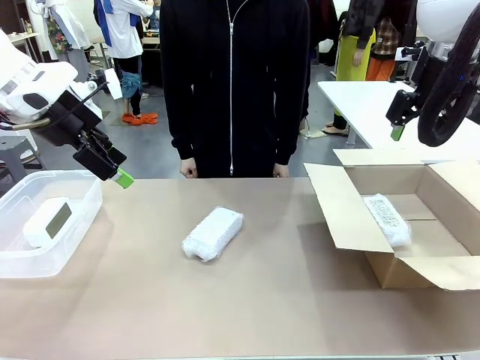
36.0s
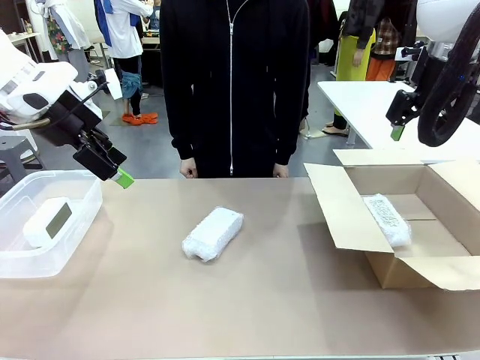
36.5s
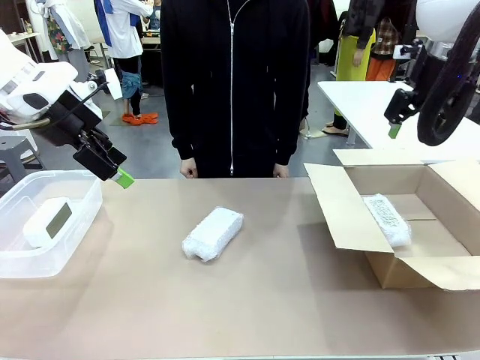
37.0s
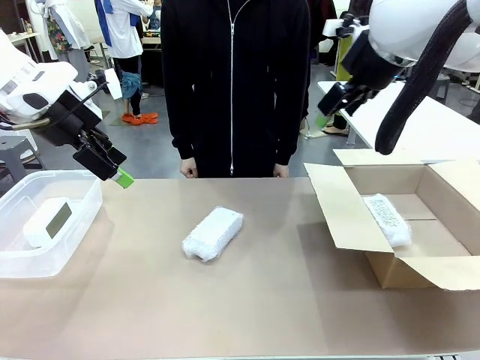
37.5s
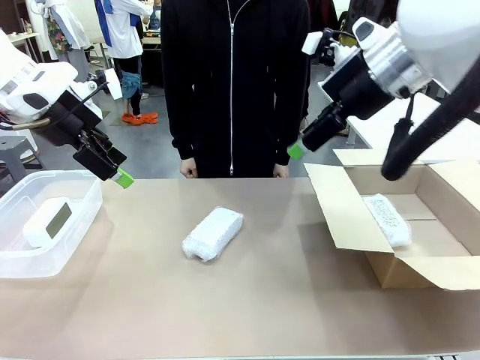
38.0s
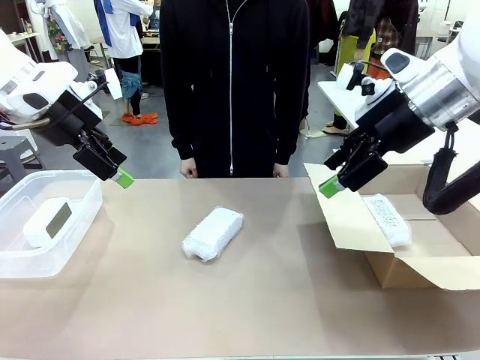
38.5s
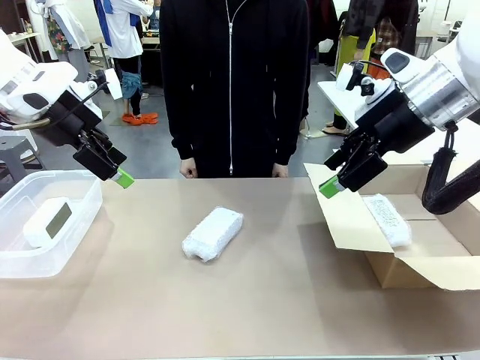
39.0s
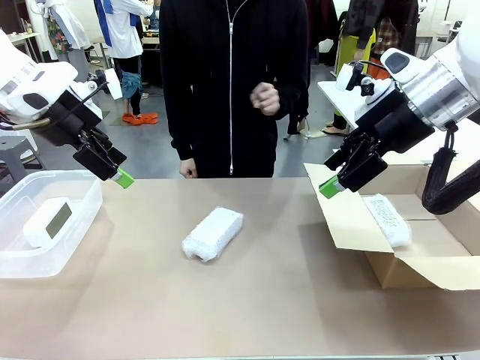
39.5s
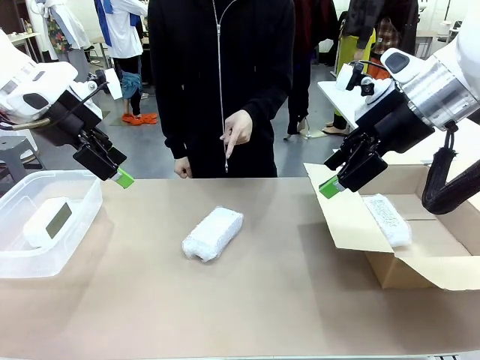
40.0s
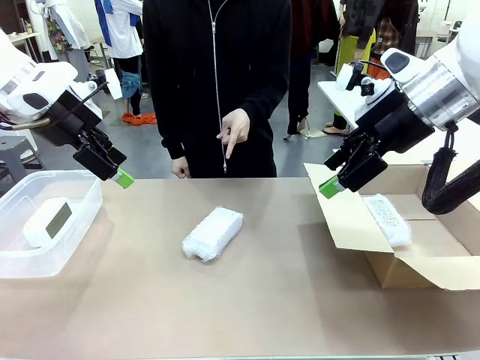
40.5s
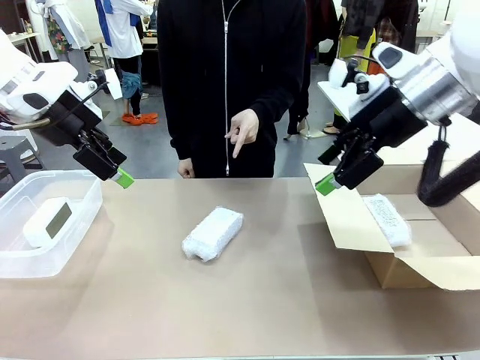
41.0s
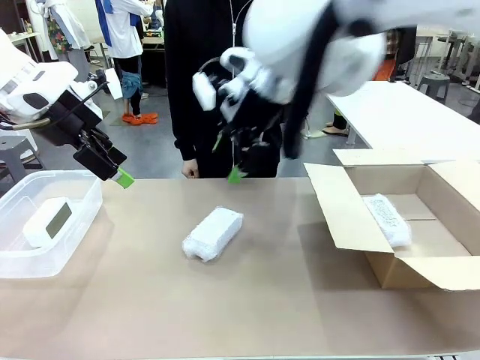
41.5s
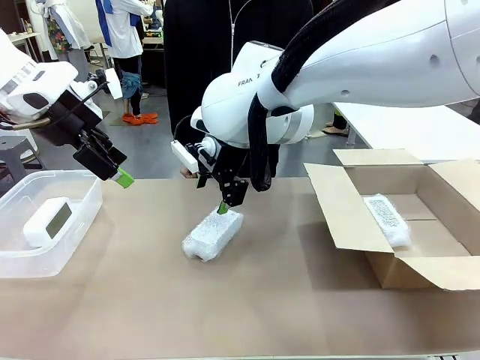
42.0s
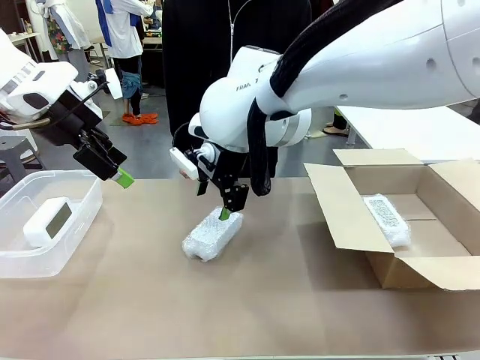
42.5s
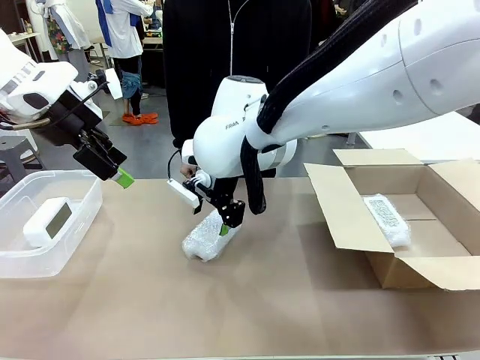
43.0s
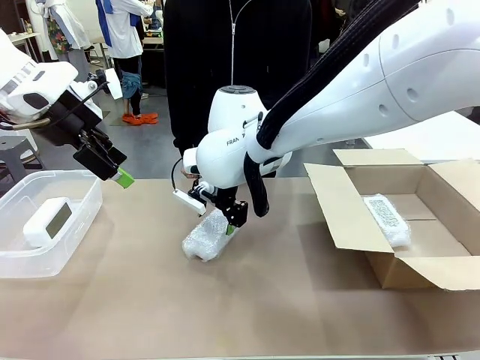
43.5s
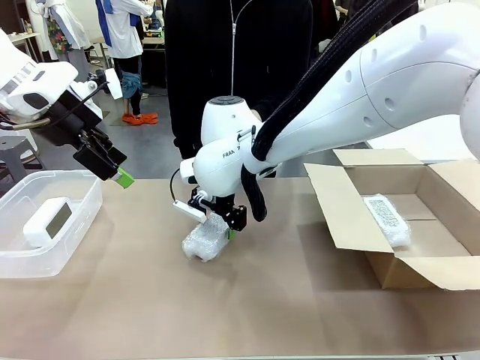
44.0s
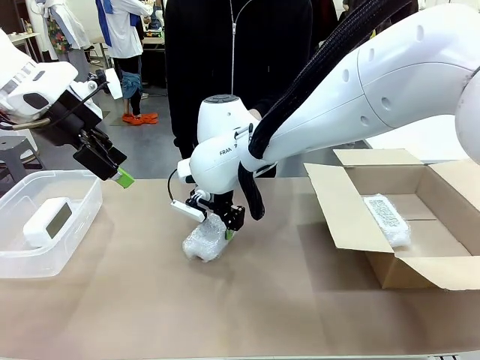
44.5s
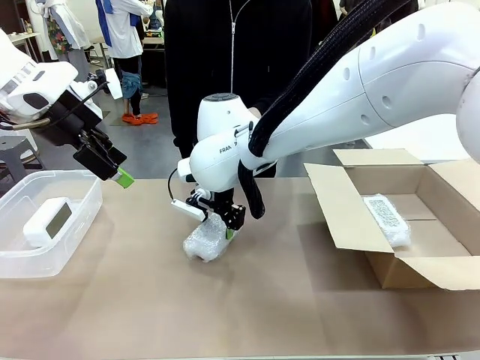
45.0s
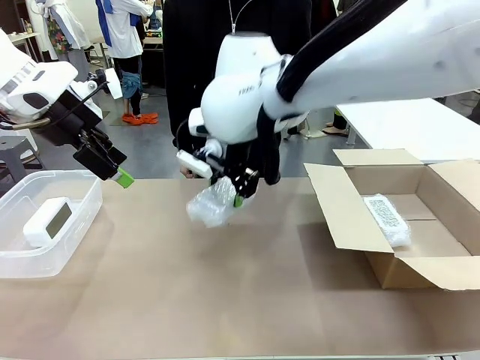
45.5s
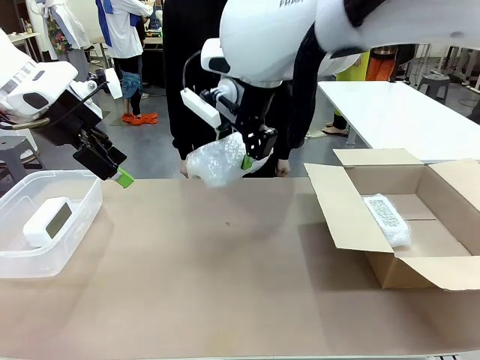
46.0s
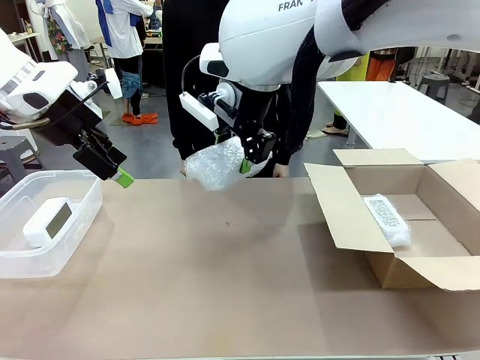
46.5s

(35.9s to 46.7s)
Task: Separate and place wrapped and unwrapped clocks.
Robot: Pick up the Digital clock indicated by the person.

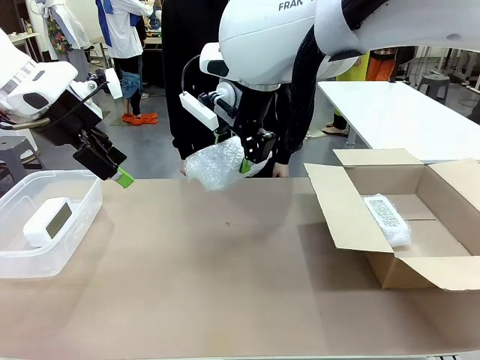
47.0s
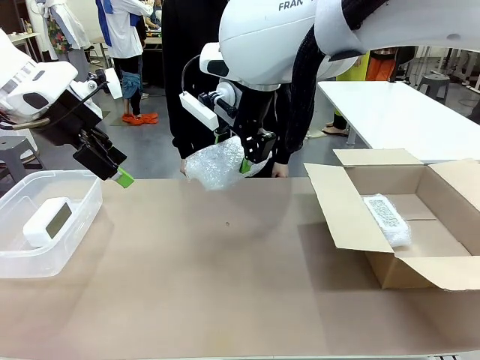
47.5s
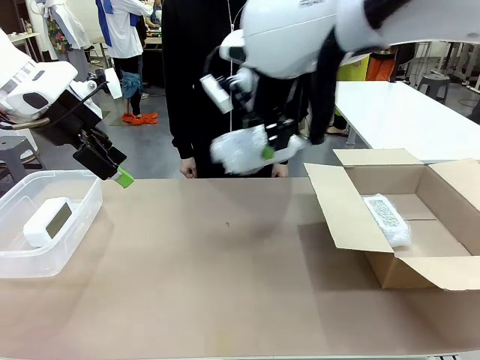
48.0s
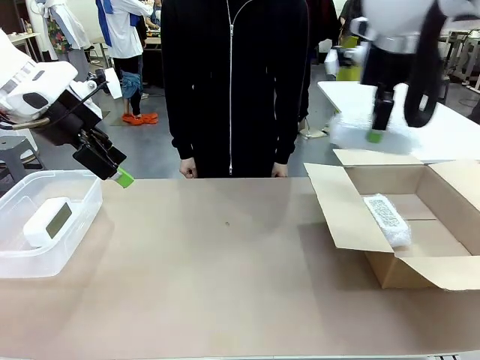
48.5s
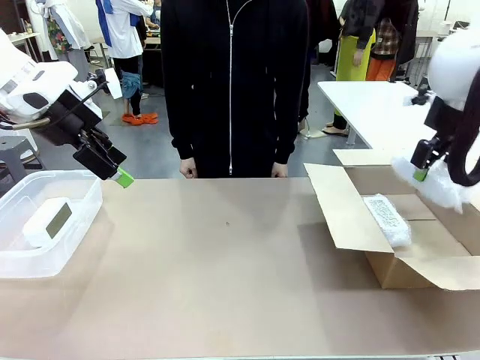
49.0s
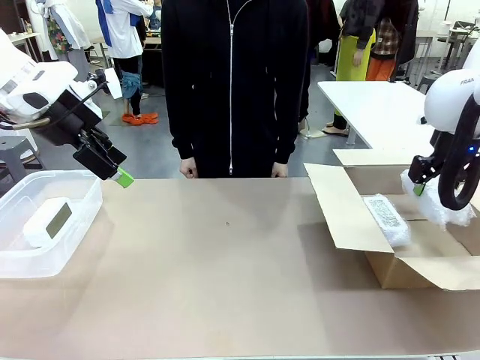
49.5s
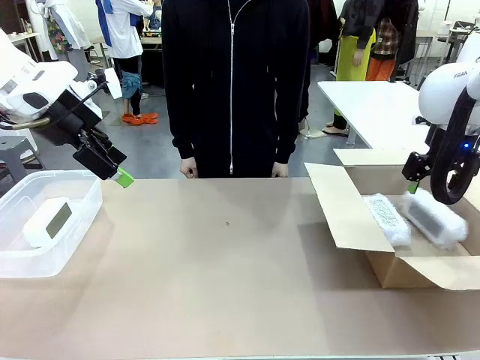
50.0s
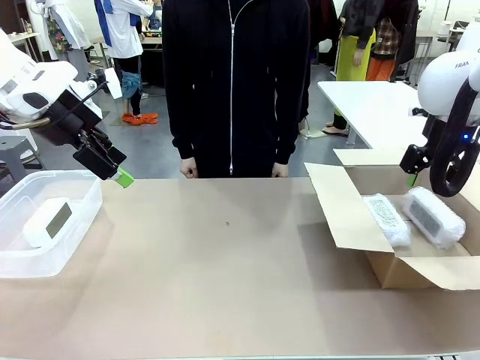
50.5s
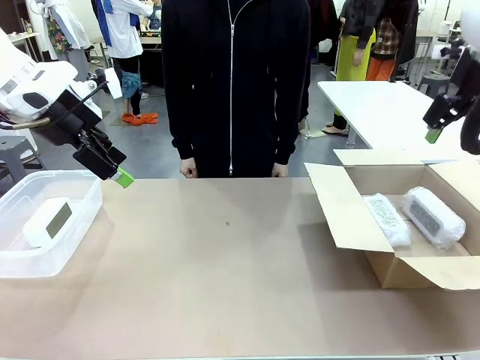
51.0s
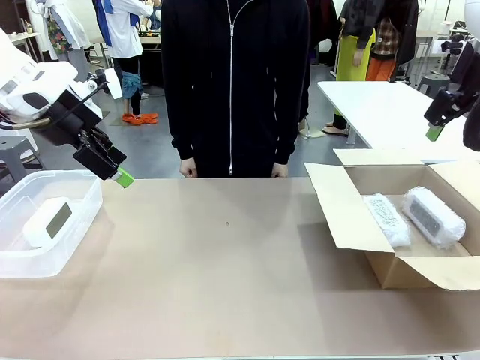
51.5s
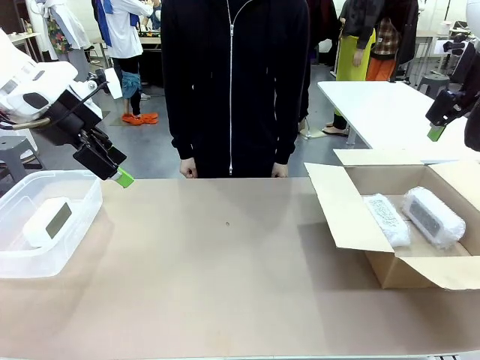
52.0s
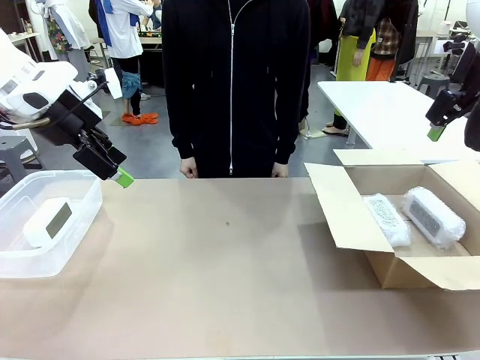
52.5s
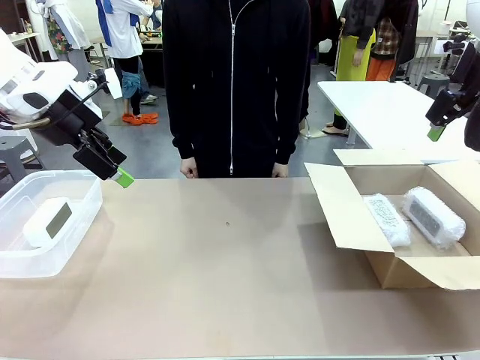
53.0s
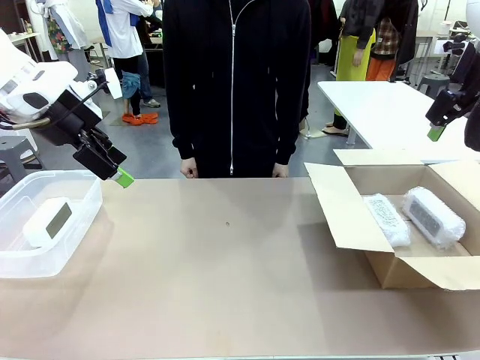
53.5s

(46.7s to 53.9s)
Robot: If the picked Digital clock is wrapped, place it in the Package Box ; if not, place it in the Organizing box.

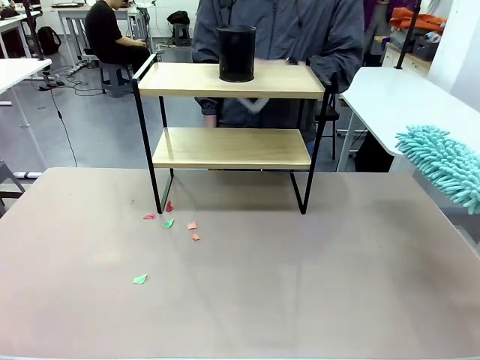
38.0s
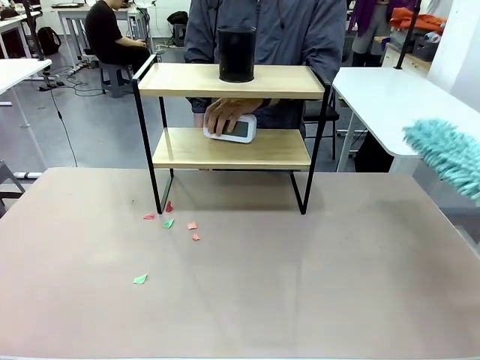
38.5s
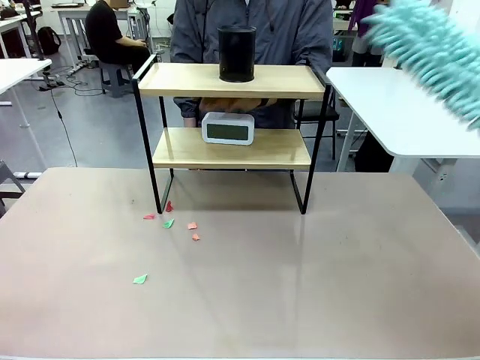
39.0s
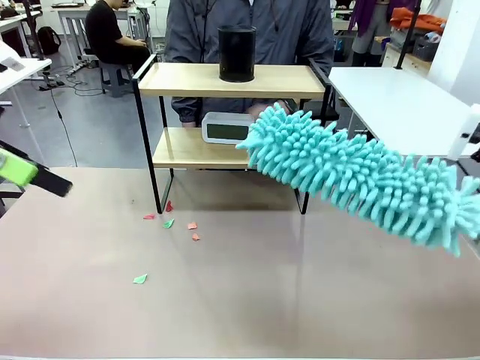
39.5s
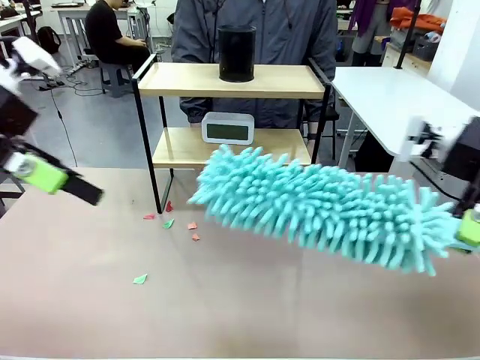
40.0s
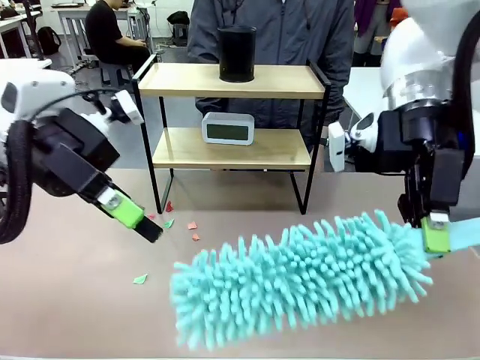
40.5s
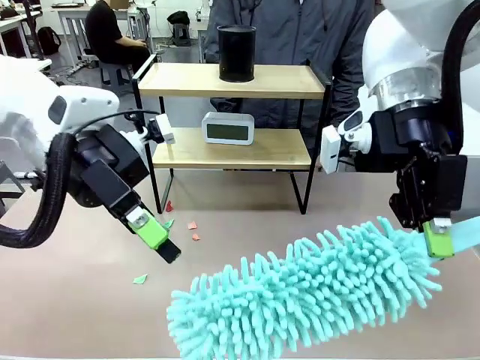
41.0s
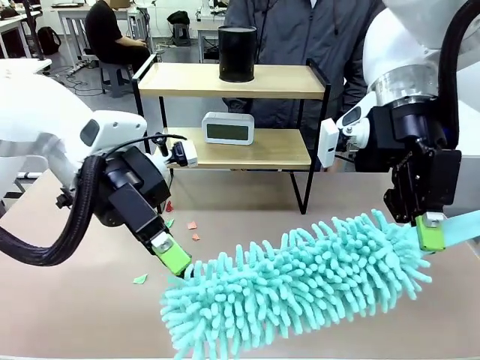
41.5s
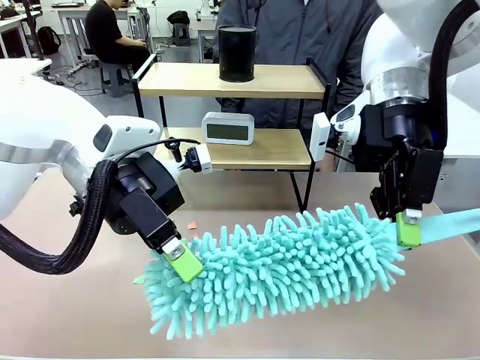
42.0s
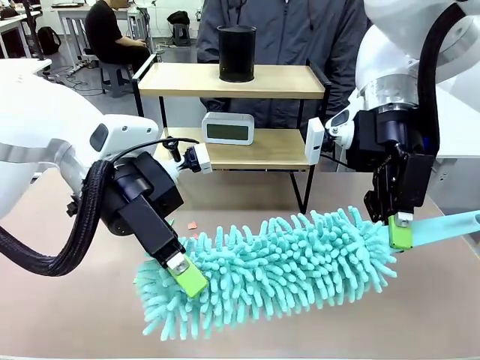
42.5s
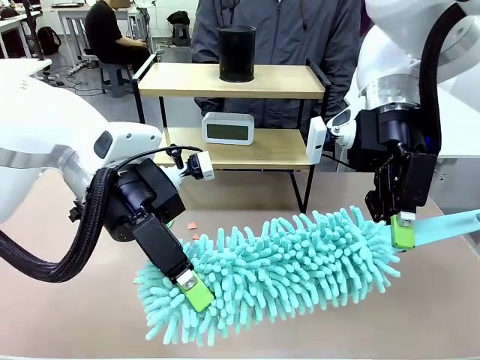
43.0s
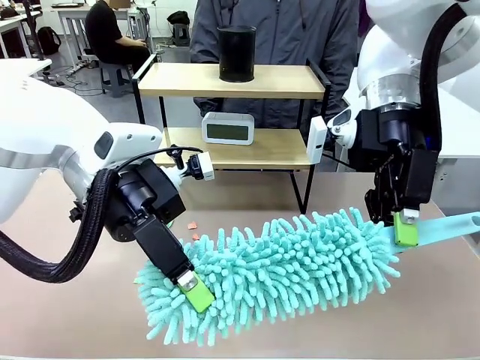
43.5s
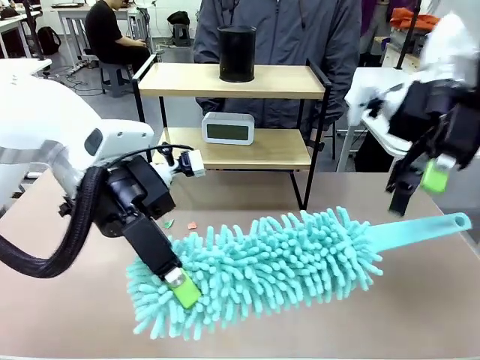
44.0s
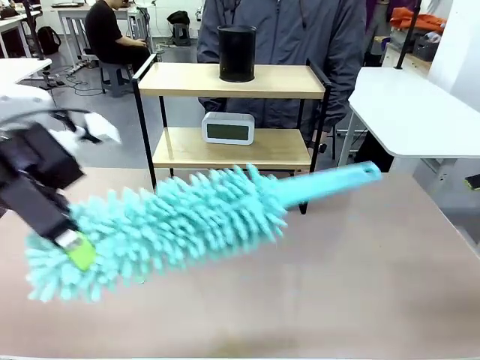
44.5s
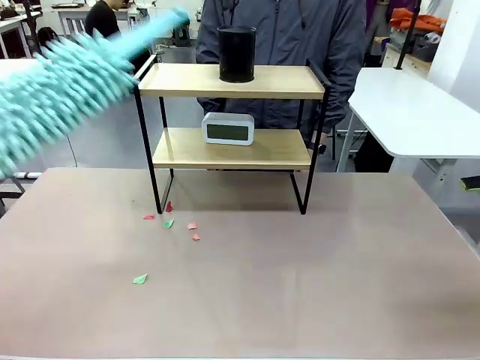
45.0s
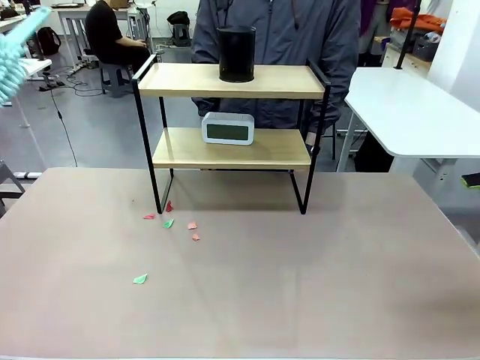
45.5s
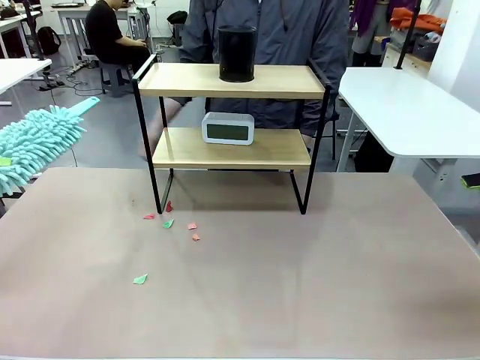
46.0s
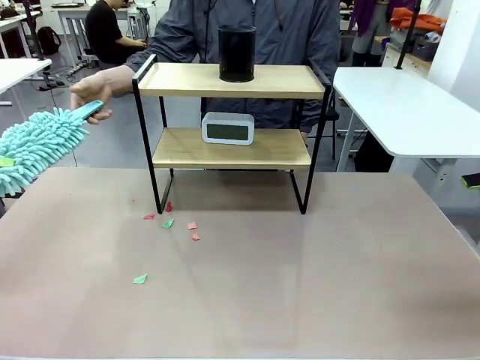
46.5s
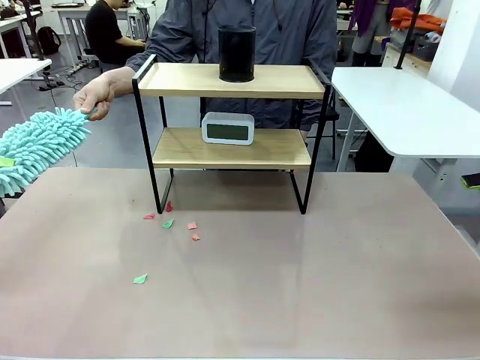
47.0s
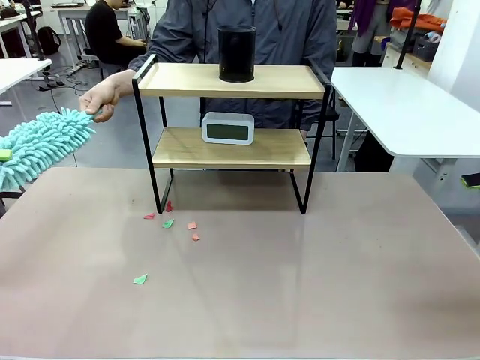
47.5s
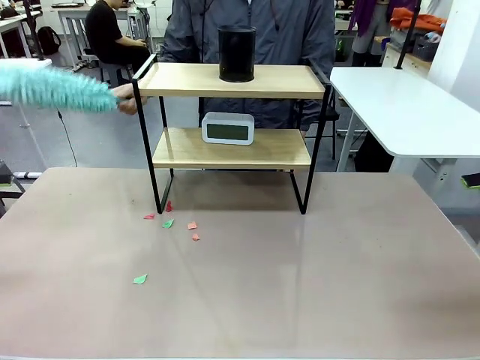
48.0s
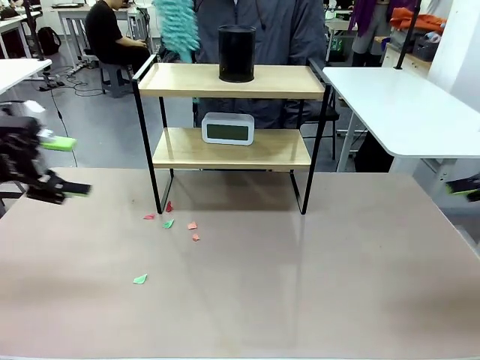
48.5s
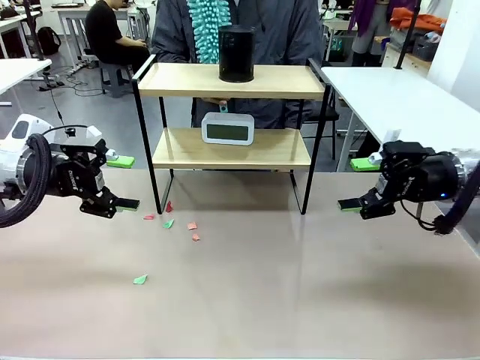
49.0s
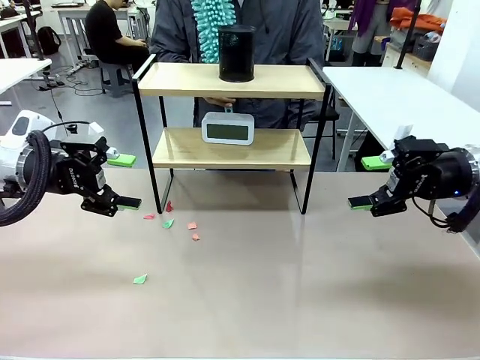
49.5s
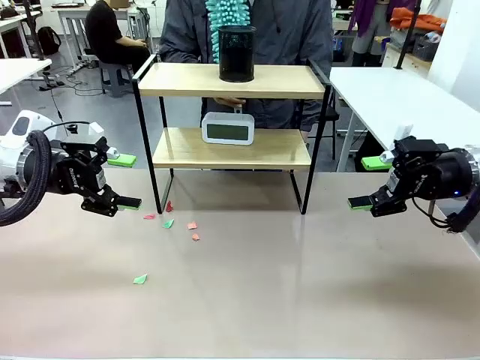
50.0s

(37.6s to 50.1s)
Task: Clean the shelf.
Robot: Hand the Duster back to the human.
